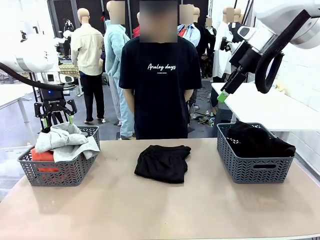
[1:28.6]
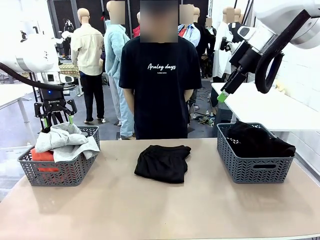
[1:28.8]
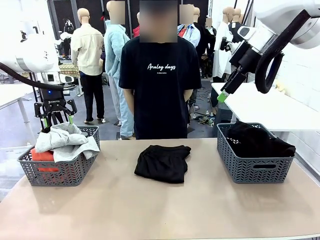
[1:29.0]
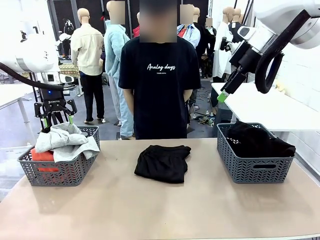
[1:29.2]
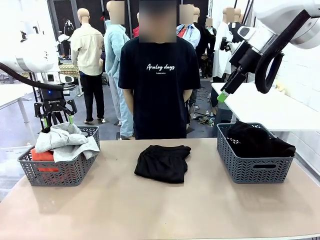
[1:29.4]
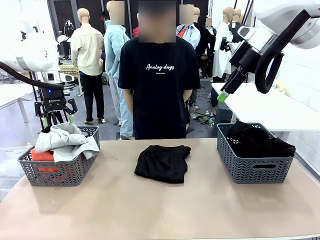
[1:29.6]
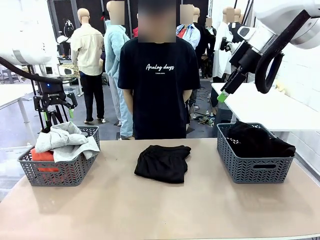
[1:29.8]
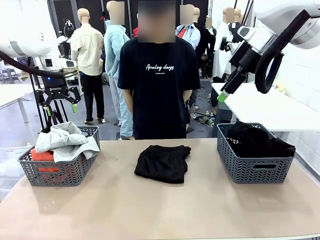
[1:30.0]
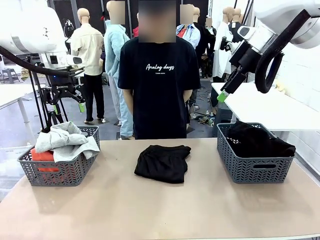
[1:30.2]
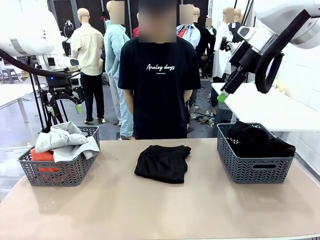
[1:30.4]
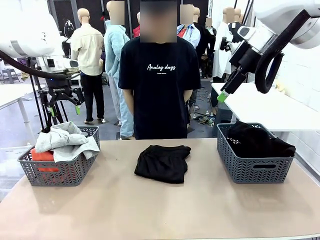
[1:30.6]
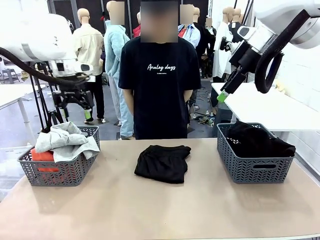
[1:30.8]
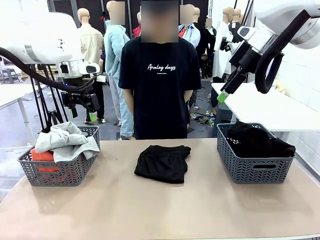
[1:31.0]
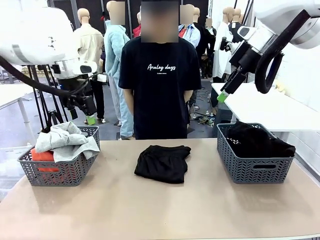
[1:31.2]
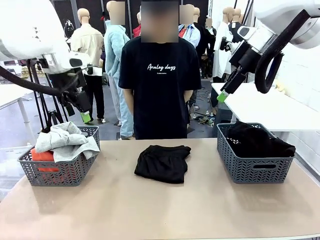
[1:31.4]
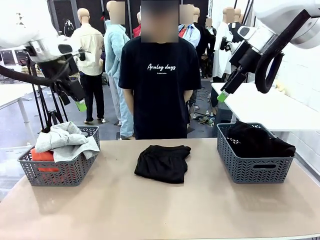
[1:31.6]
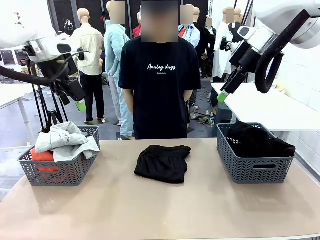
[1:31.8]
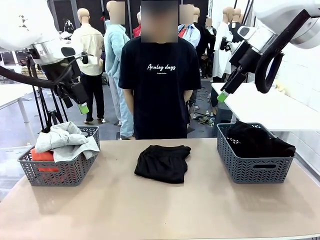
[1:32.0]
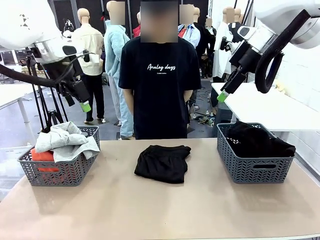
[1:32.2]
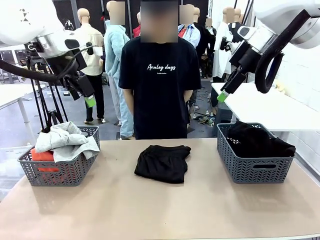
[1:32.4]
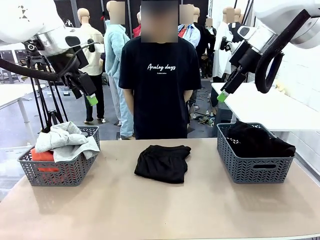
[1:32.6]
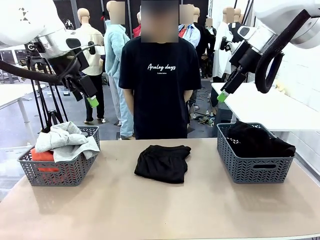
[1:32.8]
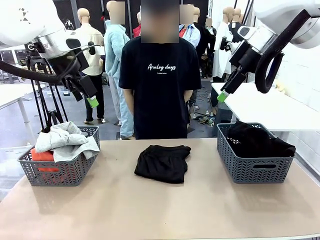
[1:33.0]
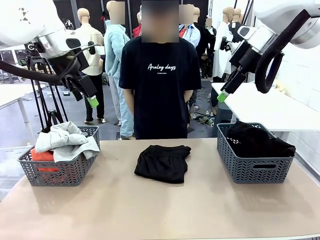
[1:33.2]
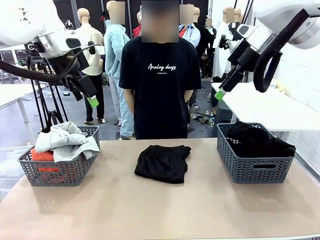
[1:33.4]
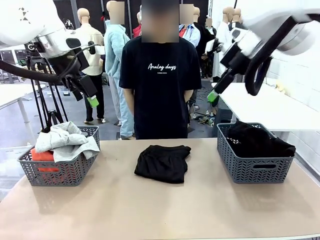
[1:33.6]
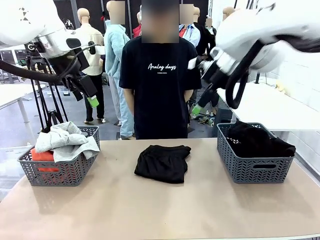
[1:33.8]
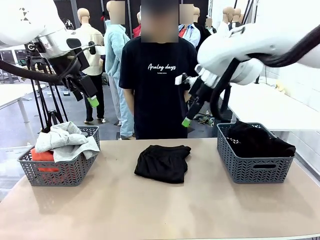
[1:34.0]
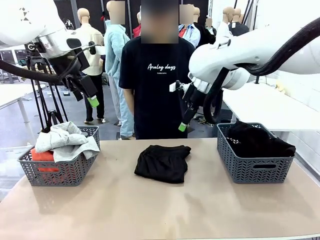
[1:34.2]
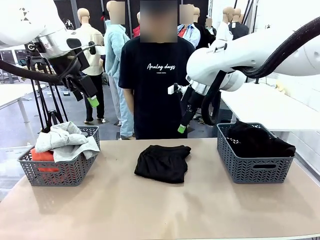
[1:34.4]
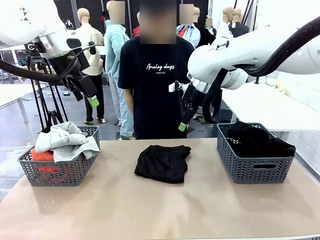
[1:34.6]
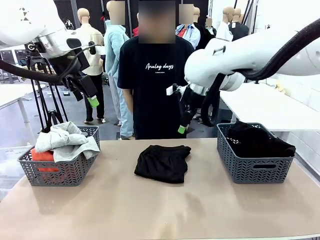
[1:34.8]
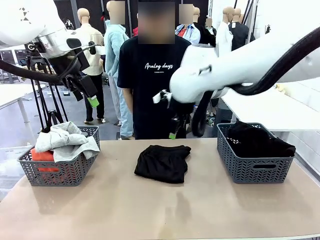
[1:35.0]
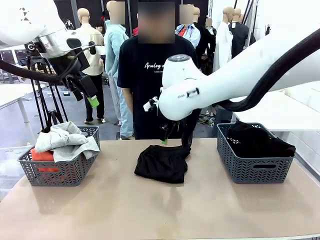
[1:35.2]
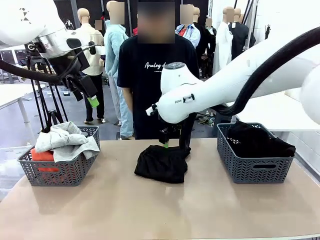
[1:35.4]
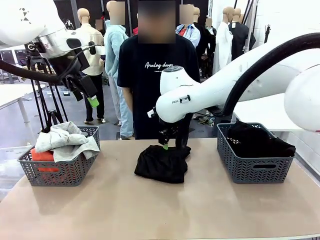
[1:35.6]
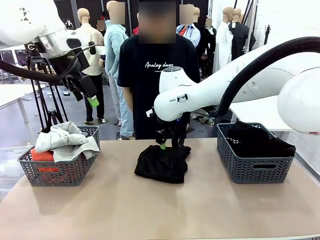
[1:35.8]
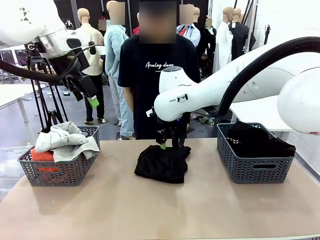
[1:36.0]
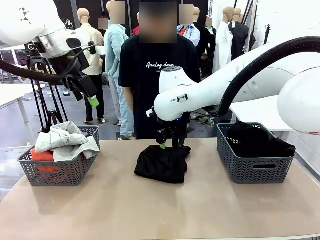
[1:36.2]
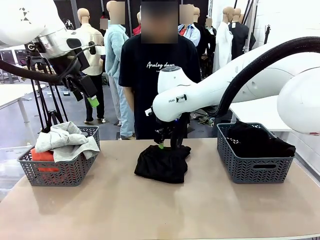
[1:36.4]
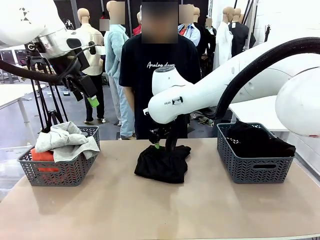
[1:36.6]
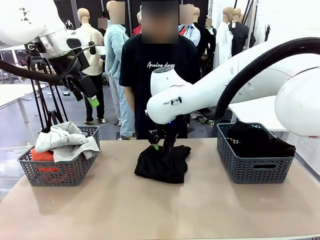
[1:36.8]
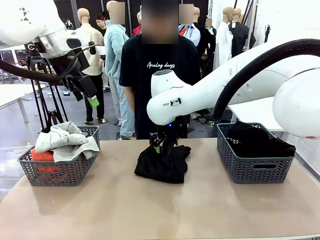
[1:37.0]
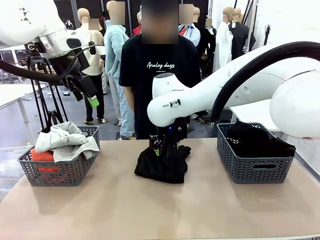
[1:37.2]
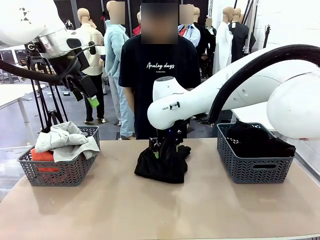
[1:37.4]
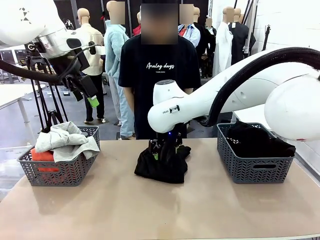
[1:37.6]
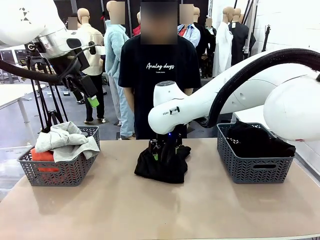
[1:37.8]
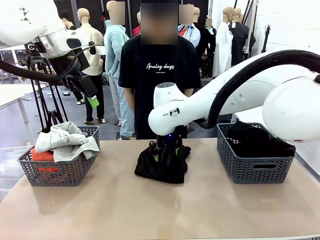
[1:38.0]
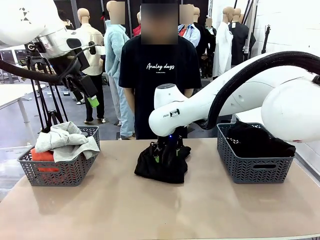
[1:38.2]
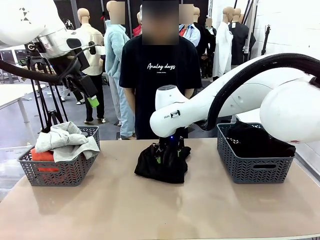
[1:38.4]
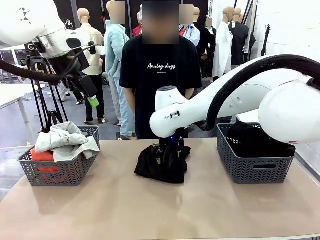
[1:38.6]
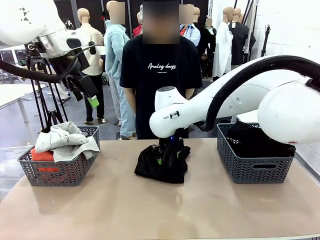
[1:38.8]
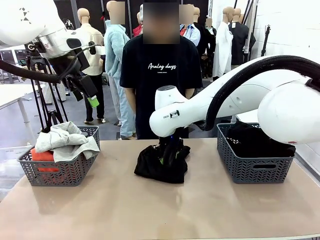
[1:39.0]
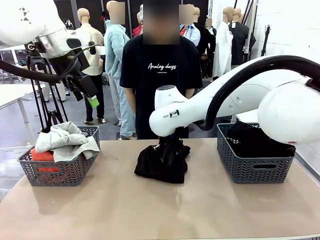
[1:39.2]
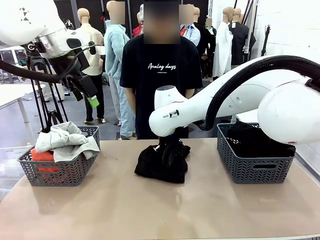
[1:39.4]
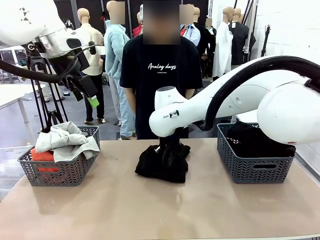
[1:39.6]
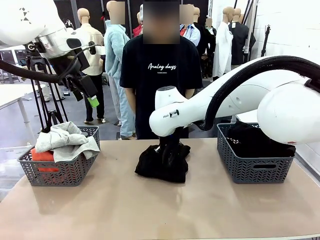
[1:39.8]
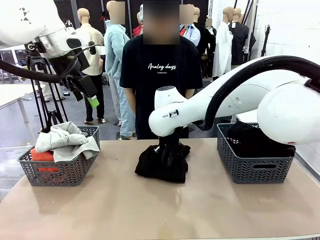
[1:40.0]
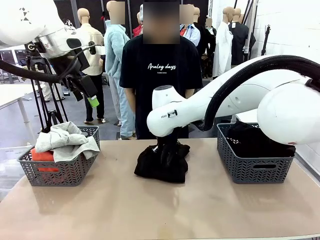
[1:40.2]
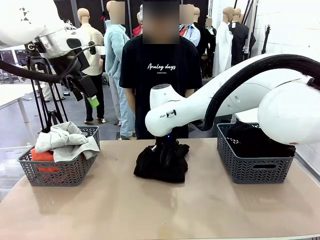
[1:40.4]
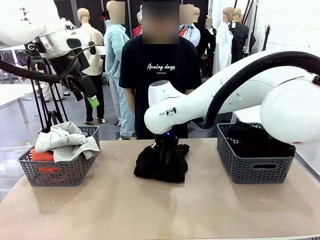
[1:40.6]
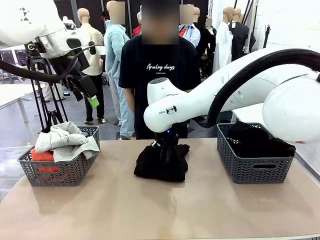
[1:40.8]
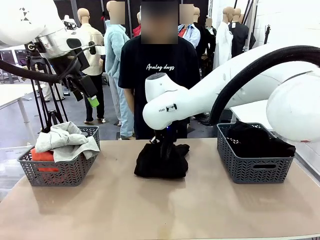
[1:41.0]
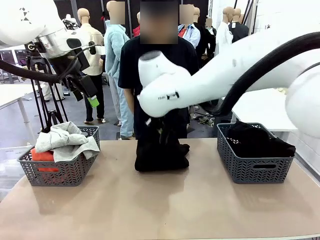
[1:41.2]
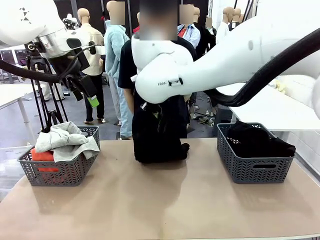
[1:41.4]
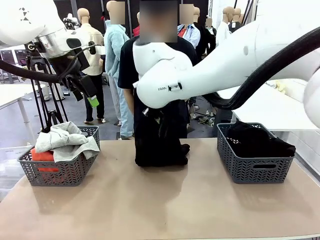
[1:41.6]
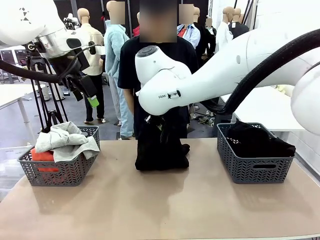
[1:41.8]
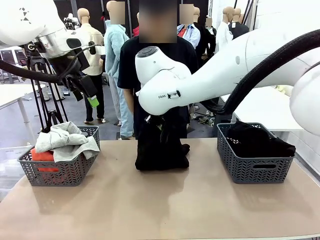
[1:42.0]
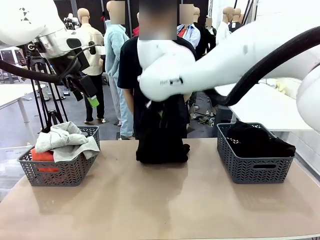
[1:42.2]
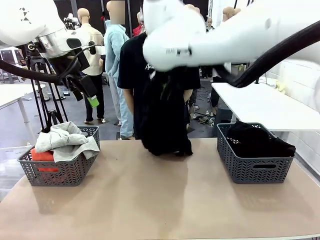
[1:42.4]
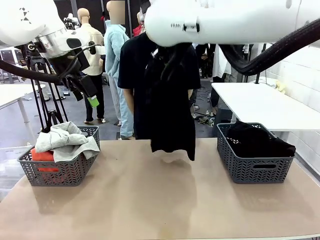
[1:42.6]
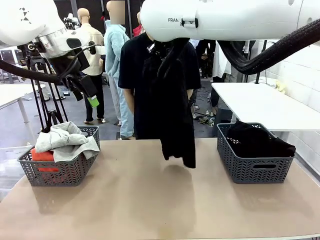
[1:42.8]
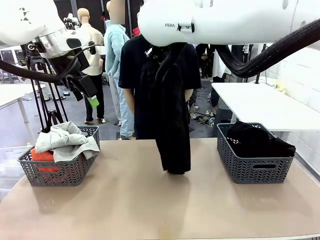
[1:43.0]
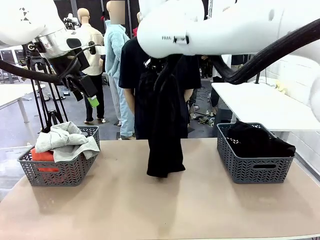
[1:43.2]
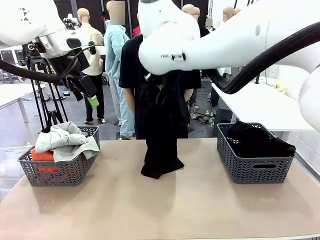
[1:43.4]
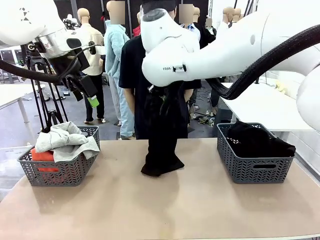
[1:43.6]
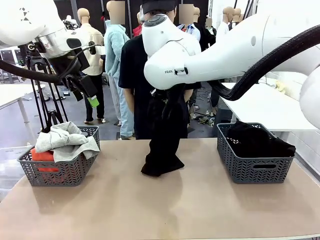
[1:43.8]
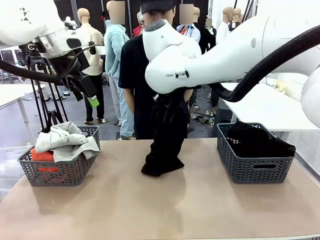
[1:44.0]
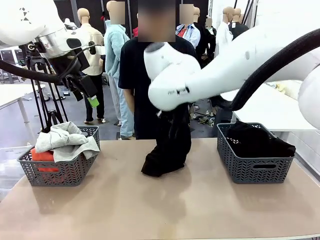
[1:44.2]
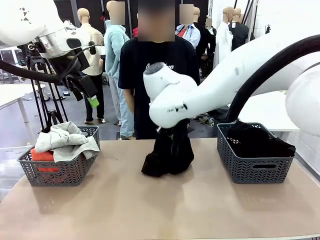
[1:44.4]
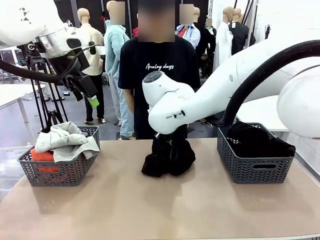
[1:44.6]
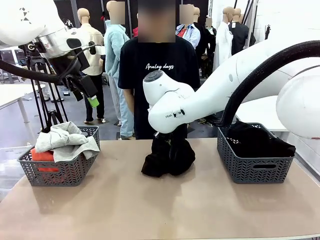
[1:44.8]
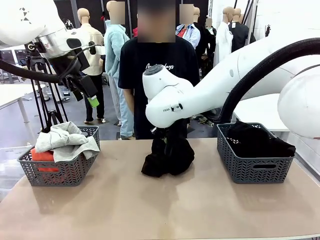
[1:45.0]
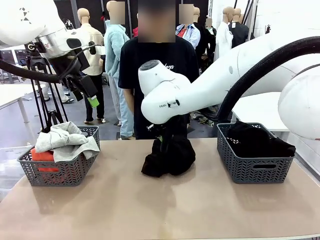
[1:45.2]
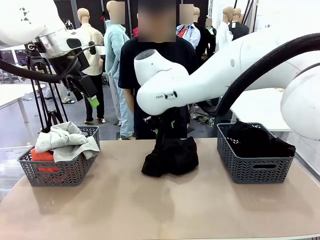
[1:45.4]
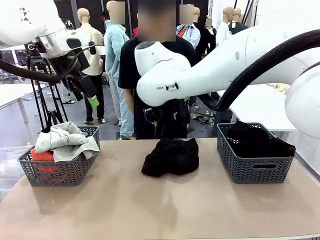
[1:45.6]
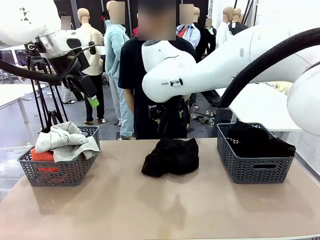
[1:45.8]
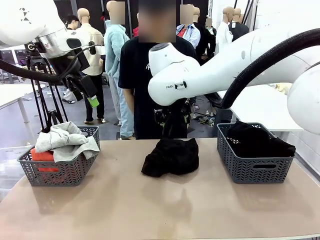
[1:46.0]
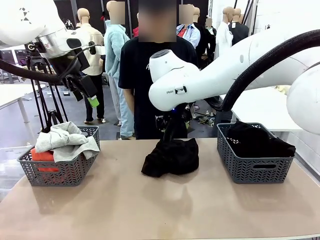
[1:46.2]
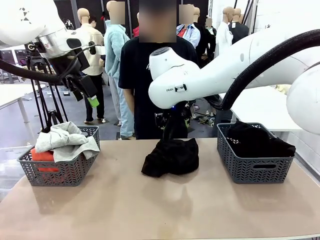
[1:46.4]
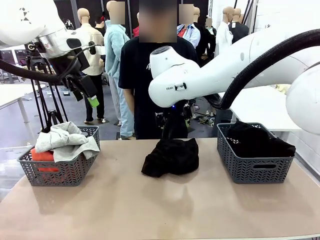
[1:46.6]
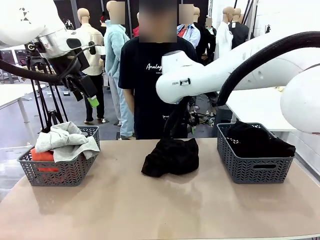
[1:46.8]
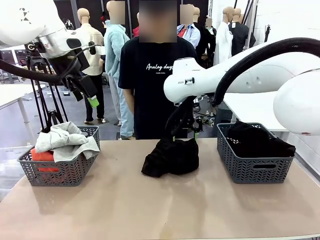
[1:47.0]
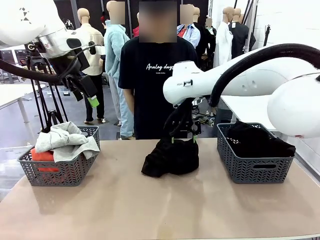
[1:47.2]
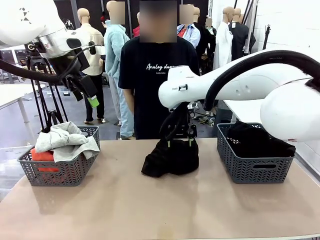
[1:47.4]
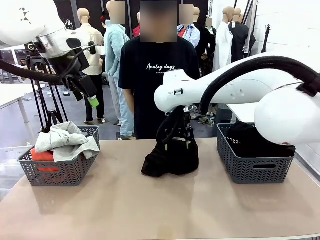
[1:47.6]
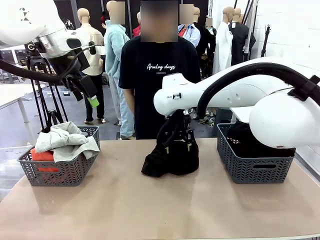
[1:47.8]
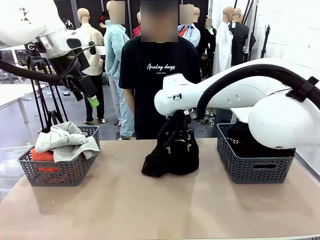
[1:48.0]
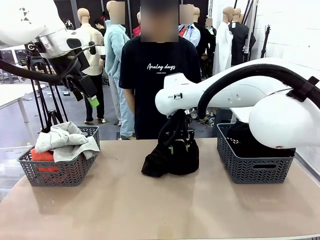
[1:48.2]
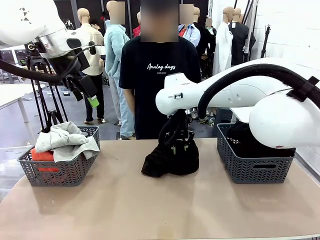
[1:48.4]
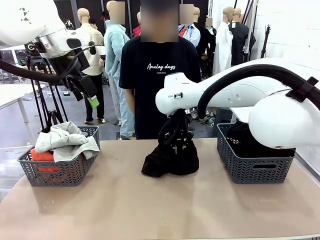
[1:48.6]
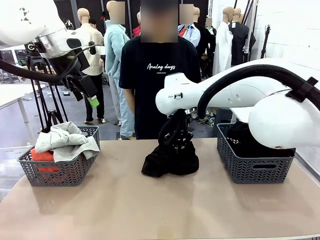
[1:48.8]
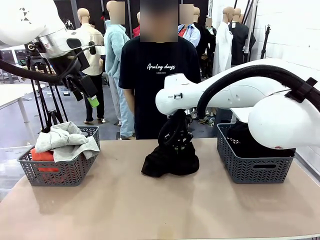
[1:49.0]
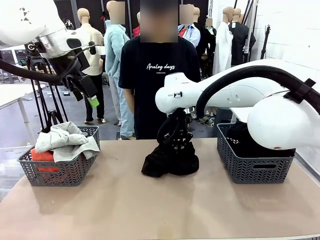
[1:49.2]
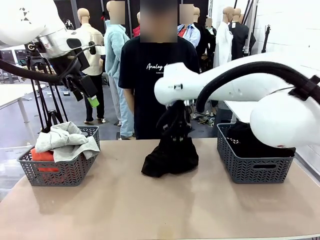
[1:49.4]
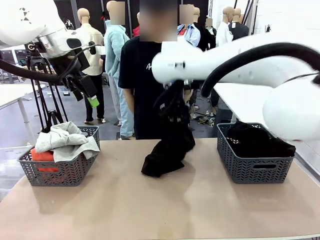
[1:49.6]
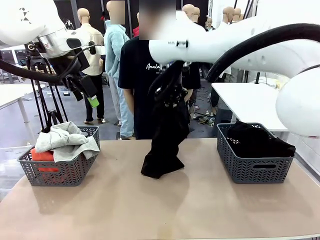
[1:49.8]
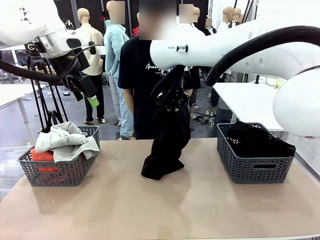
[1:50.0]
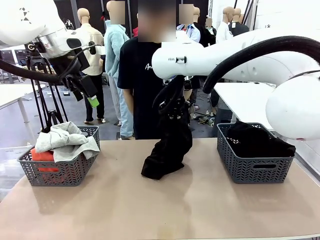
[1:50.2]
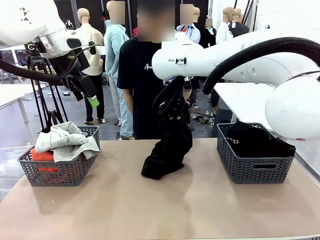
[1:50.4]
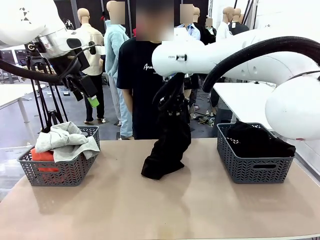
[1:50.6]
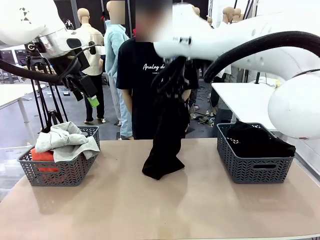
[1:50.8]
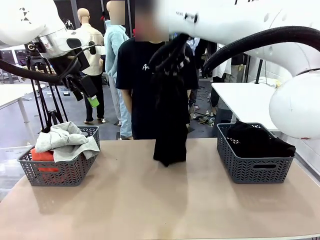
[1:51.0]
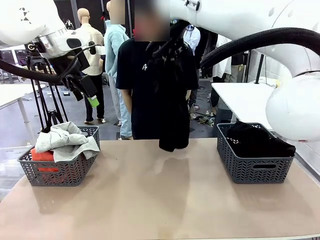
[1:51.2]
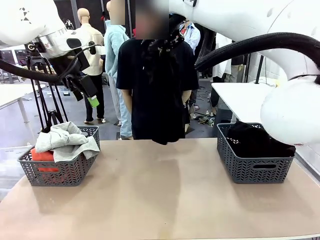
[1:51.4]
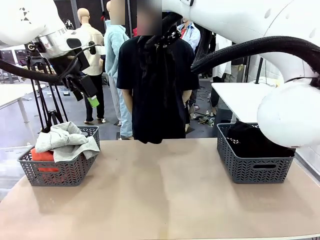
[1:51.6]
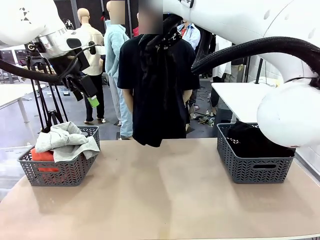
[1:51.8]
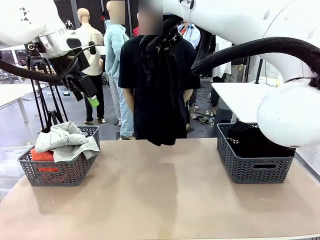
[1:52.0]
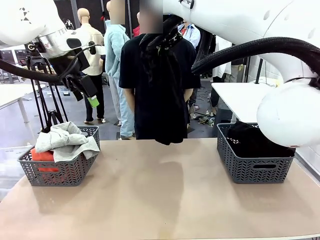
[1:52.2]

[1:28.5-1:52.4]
Task: Sort the tops and bottoms.
Robot: Lift clothes from the center of the table with your right hand.
